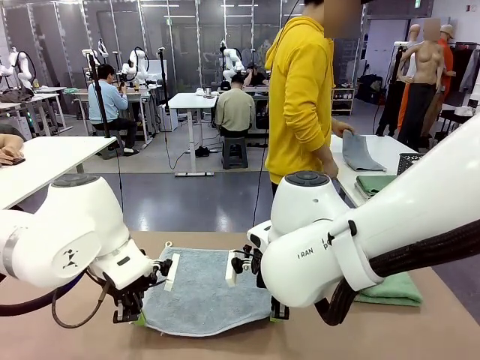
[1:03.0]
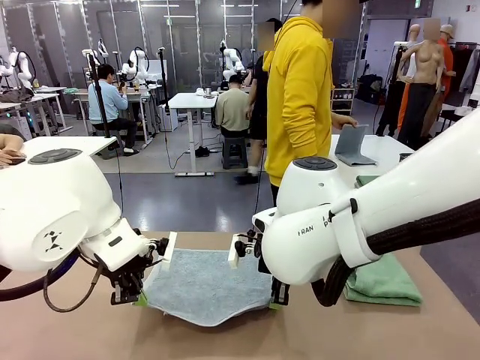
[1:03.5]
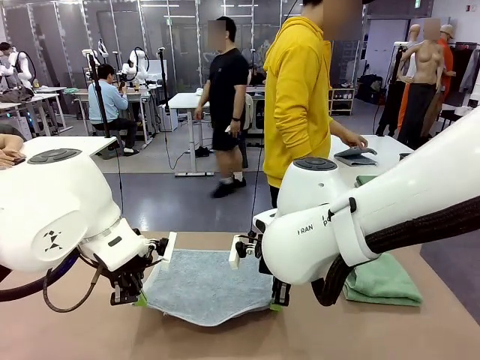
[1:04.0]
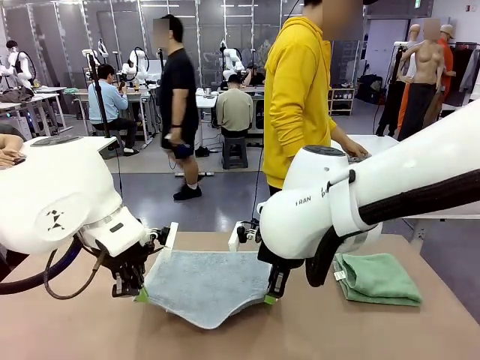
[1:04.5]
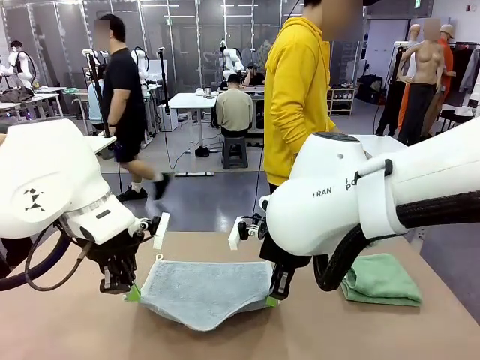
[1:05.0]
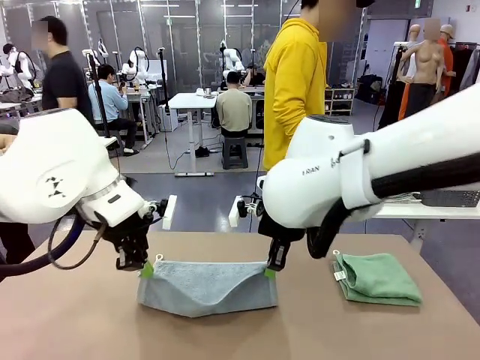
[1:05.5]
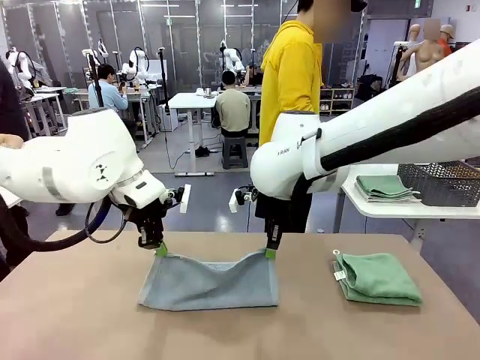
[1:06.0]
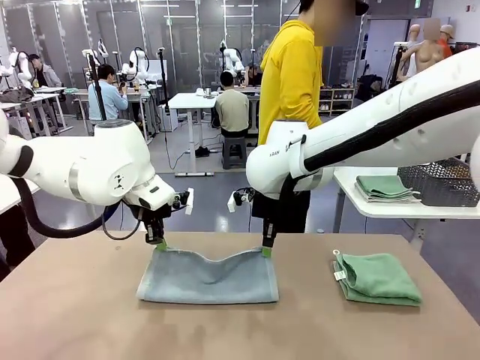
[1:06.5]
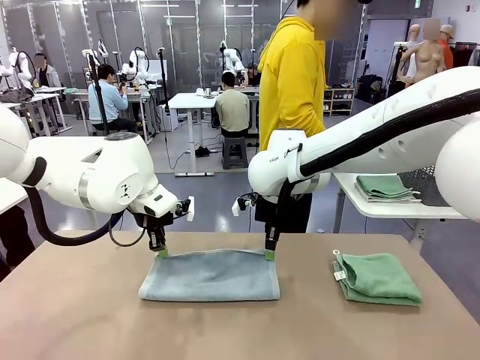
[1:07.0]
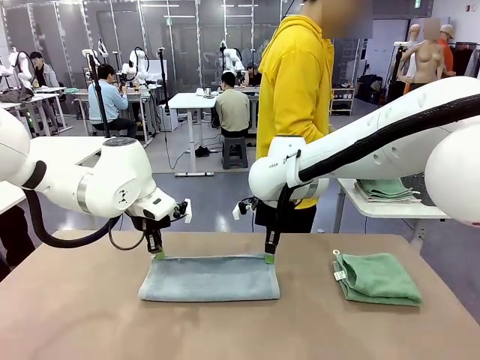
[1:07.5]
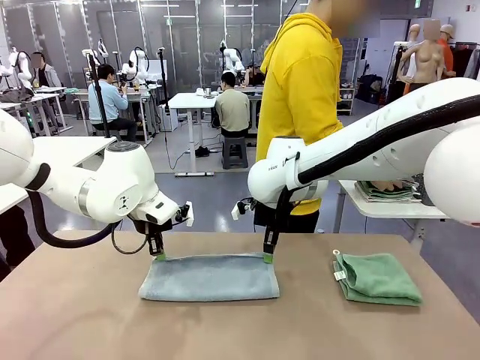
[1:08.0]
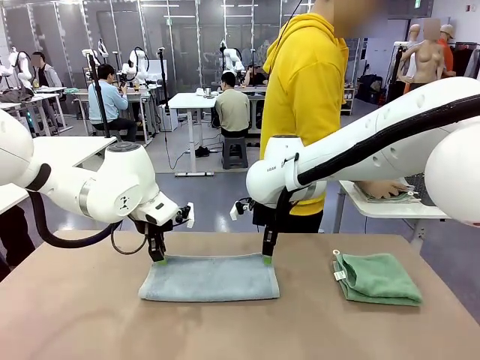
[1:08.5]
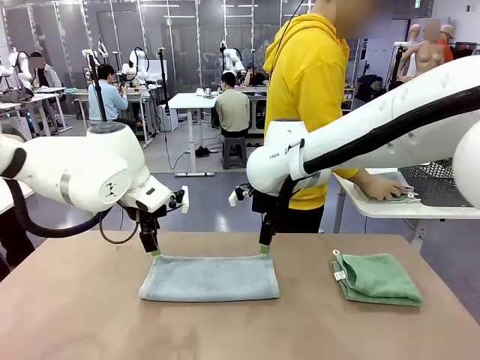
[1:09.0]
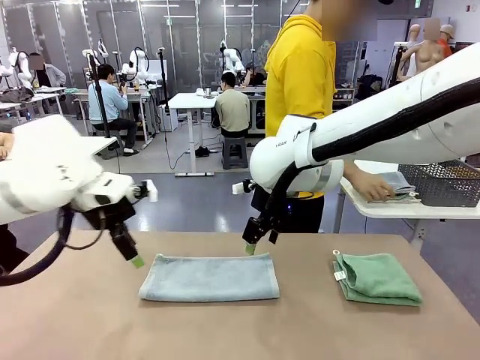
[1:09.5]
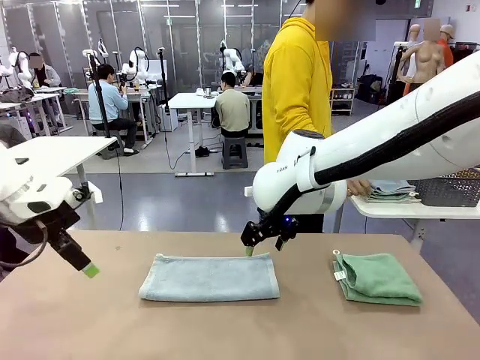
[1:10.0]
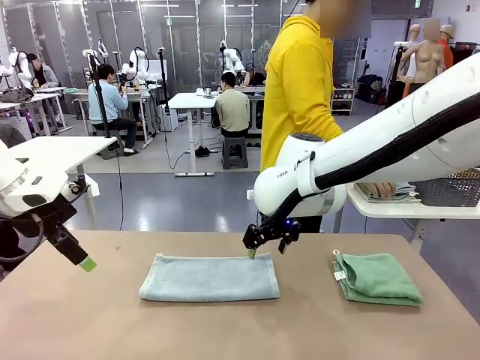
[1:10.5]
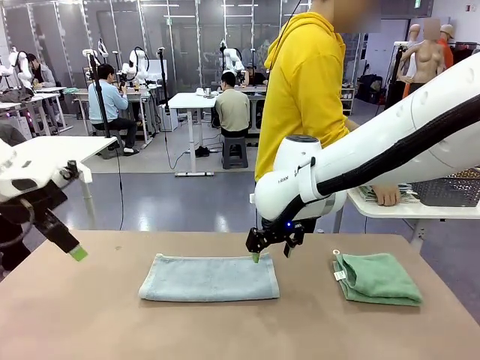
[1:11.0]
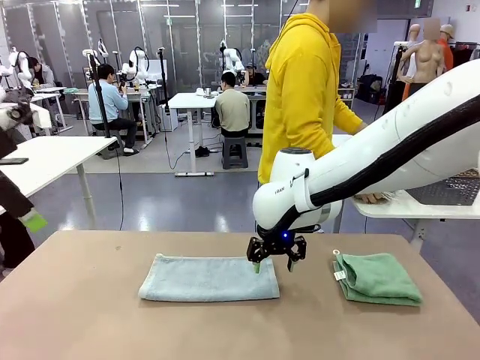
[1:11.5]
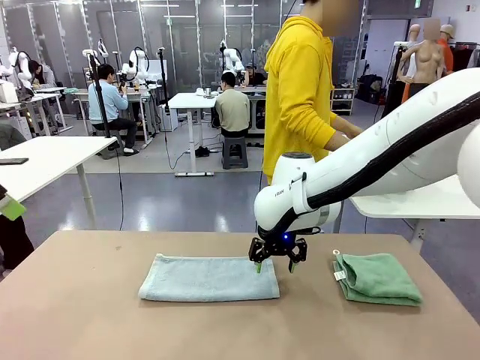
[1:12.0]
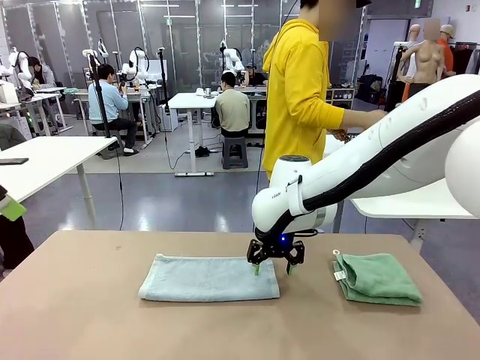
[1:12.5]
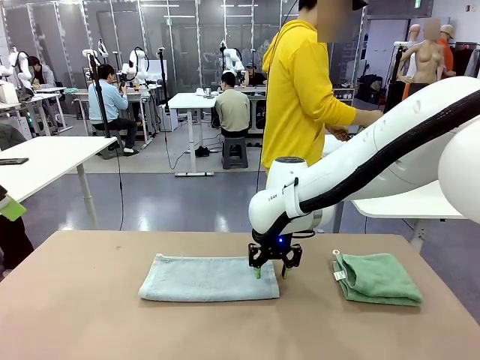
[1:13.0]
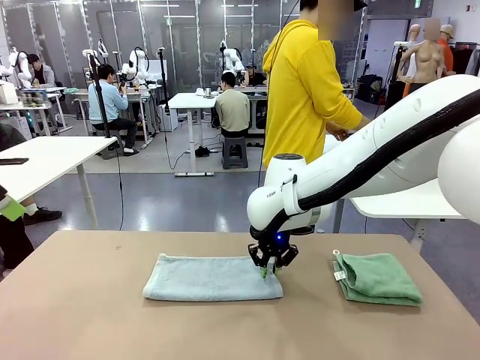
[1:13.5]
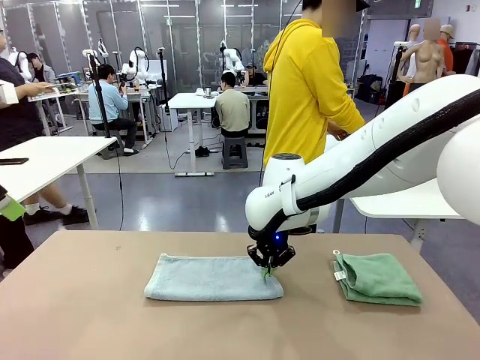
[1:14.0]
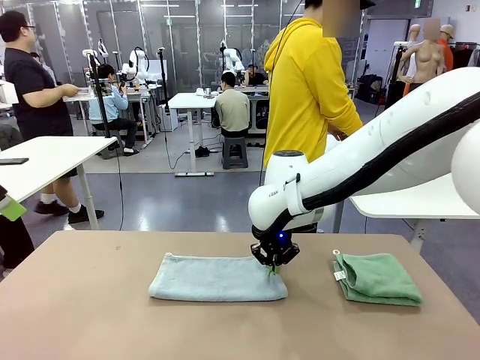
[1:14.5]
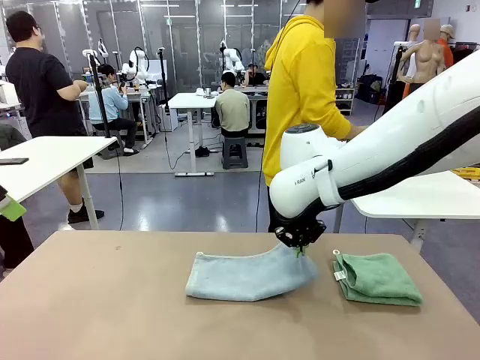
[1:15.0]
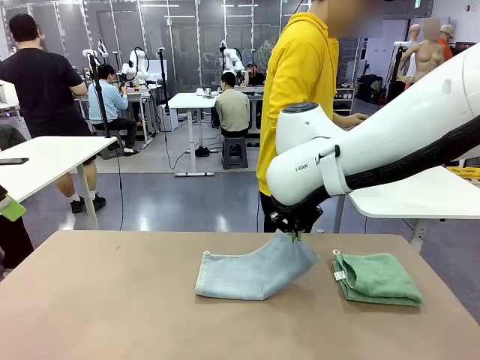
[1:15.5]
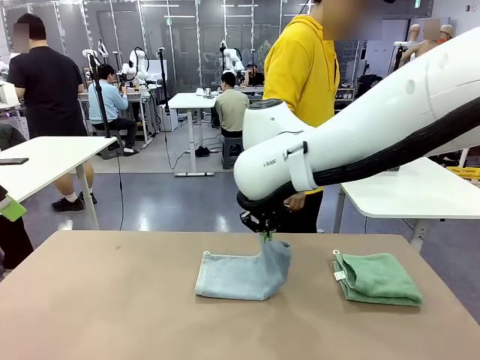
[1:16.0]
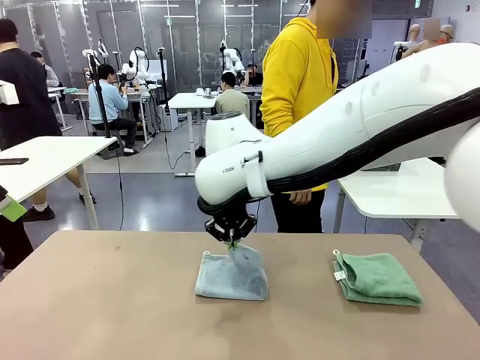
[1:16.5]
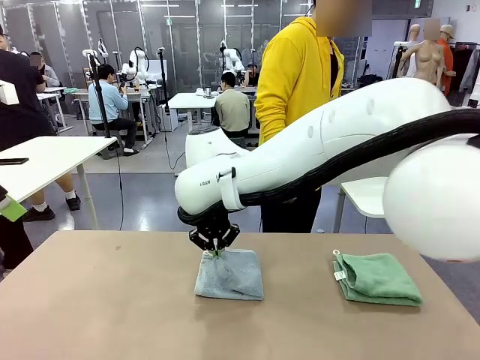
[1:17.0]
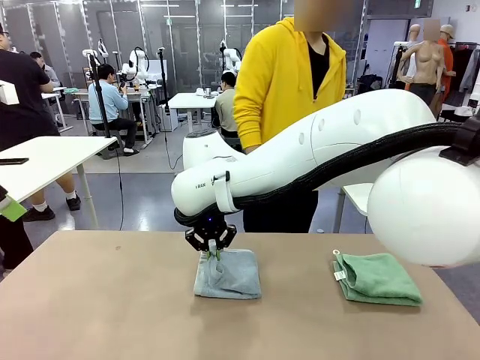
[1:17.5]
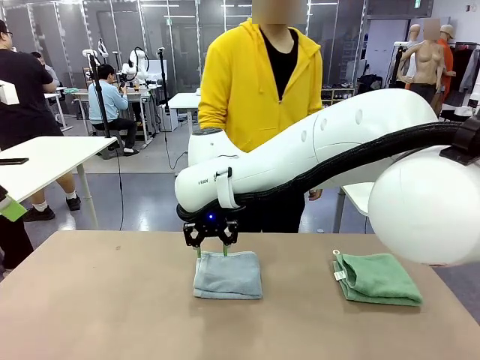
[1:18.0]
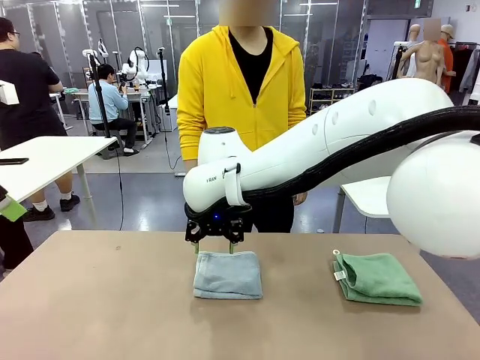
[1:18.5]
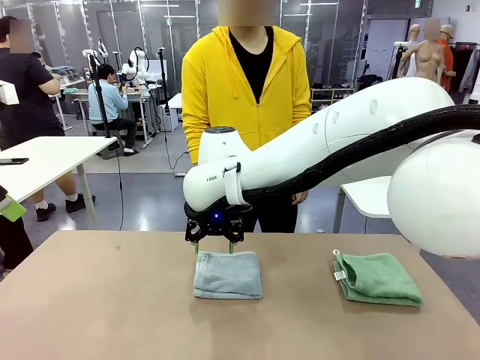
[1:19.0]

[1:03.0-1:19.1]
Task: Fold the towels and place them in the basket.
Robot: When a person lays out a Towel with hook on the table, fold it in half twice.
Person: Pick up the stack of towels from the right side of the human table, place it into the basket, and put the basket at the center of the table.

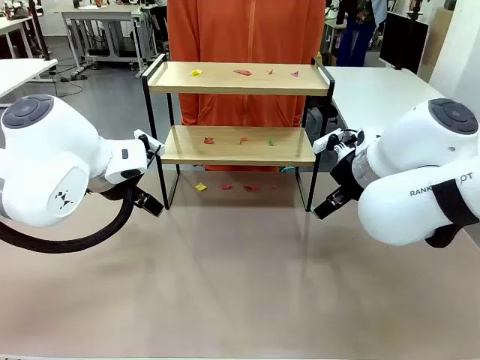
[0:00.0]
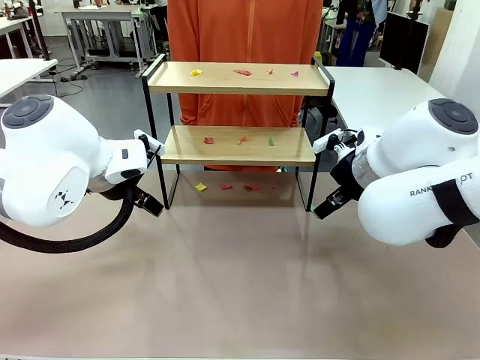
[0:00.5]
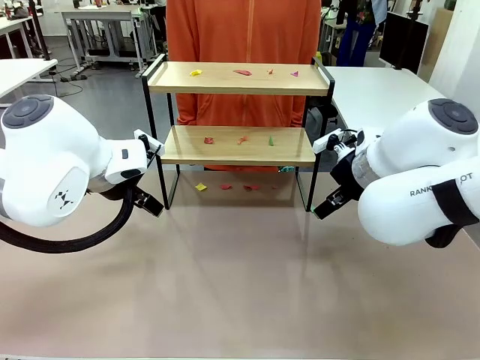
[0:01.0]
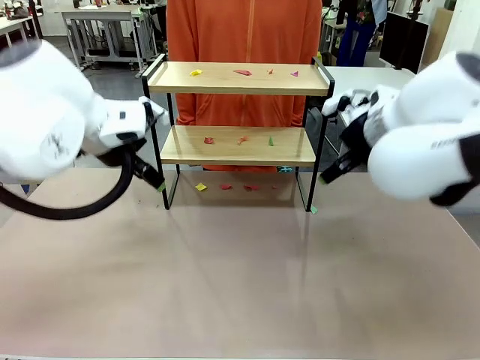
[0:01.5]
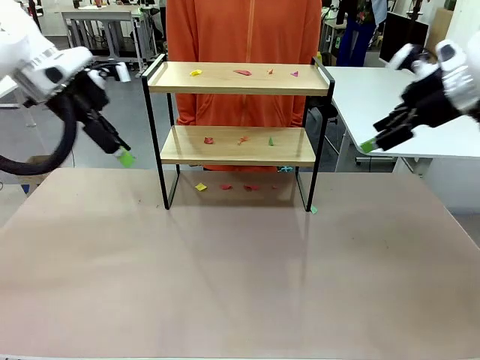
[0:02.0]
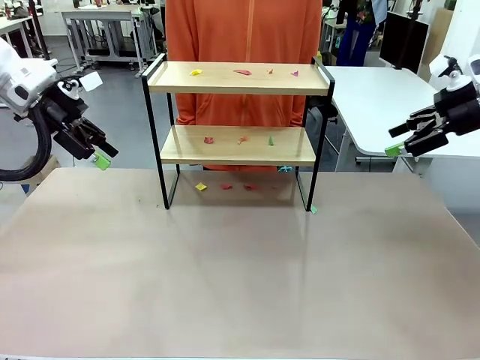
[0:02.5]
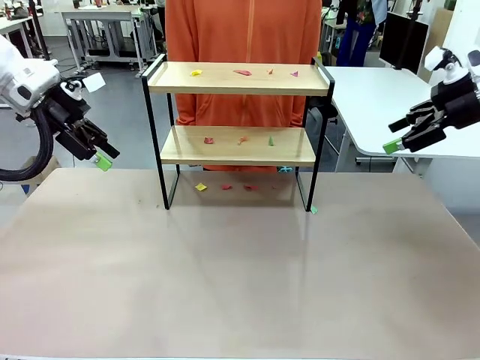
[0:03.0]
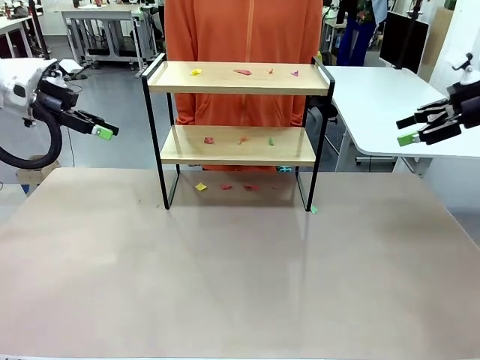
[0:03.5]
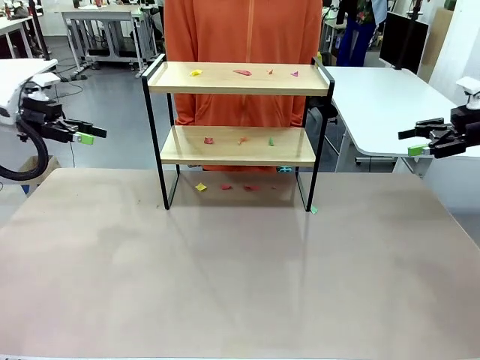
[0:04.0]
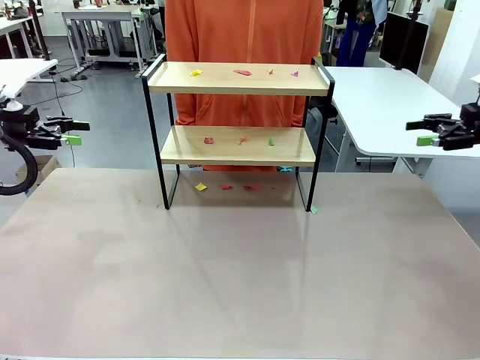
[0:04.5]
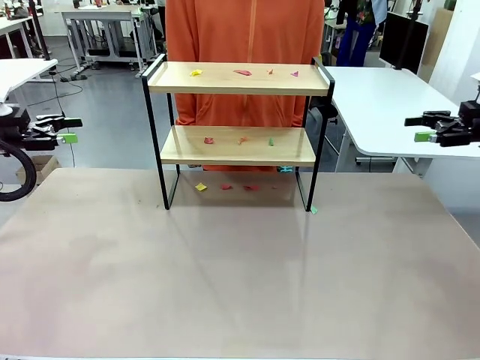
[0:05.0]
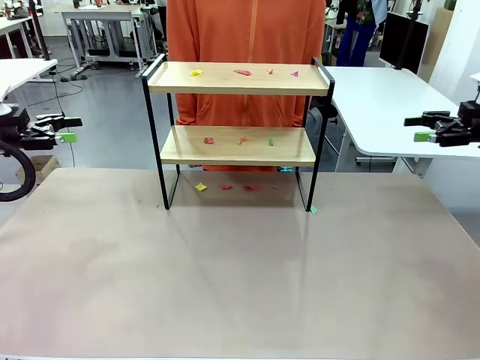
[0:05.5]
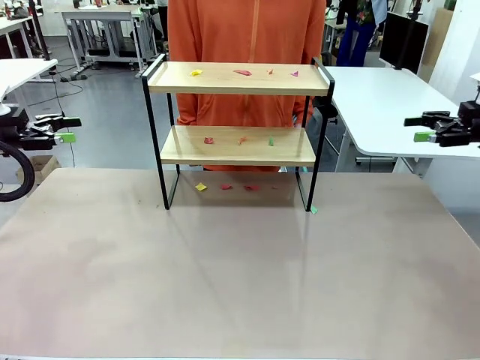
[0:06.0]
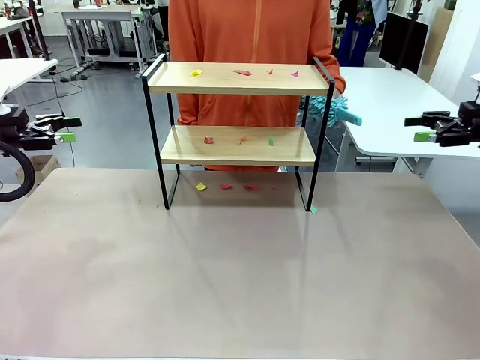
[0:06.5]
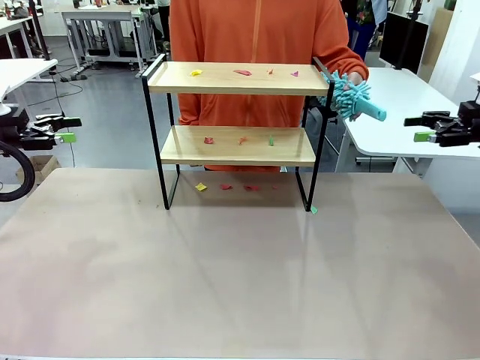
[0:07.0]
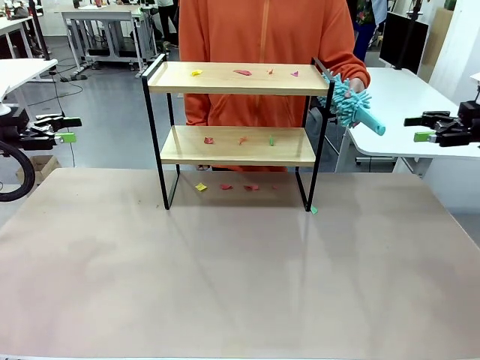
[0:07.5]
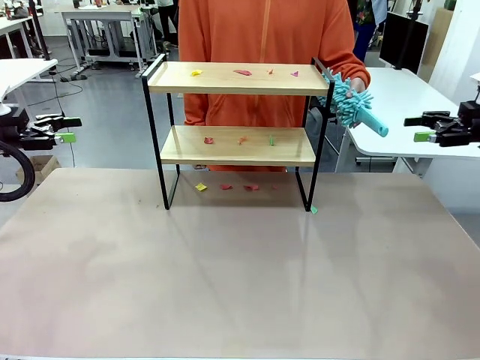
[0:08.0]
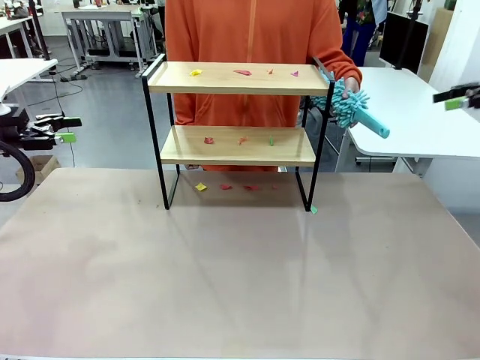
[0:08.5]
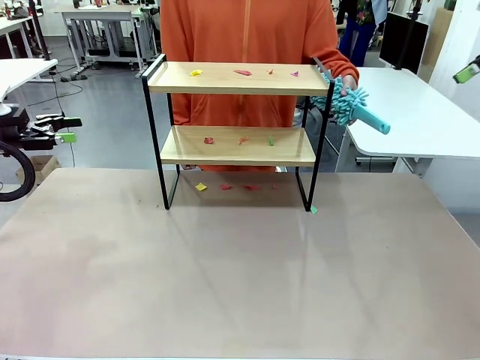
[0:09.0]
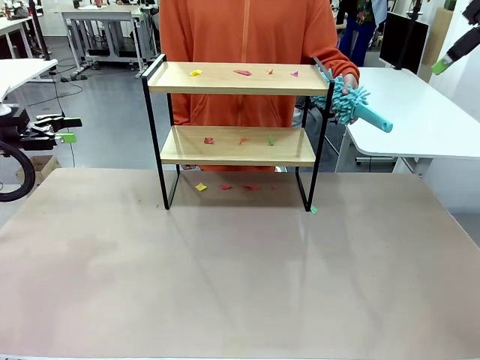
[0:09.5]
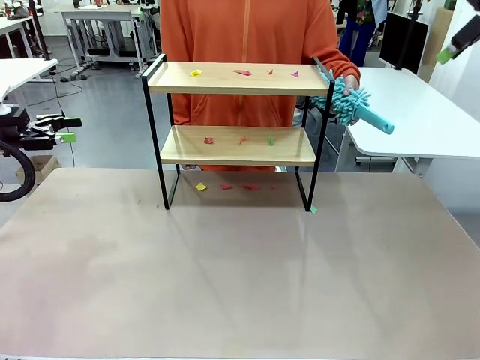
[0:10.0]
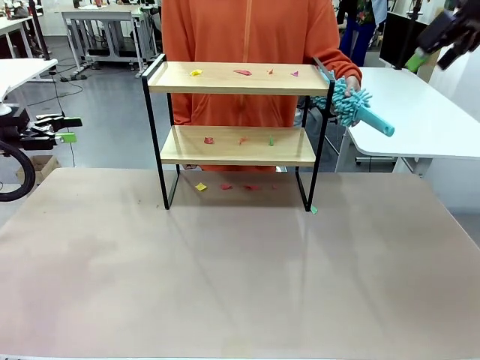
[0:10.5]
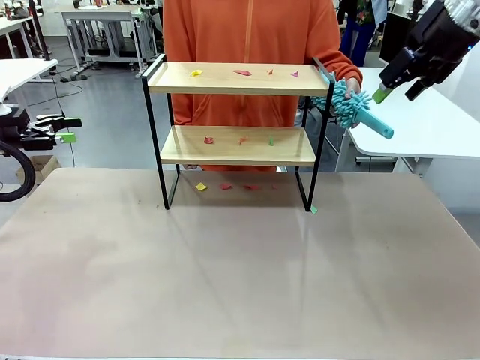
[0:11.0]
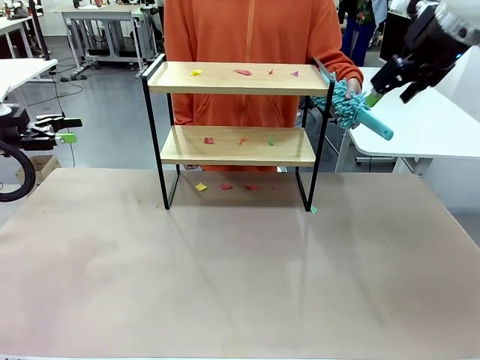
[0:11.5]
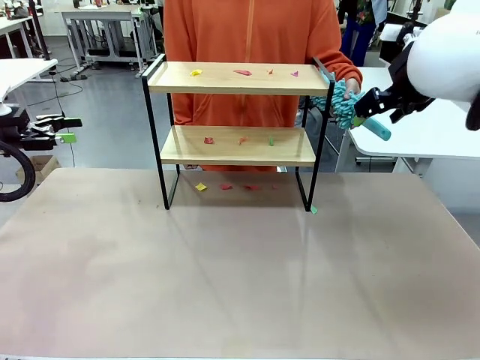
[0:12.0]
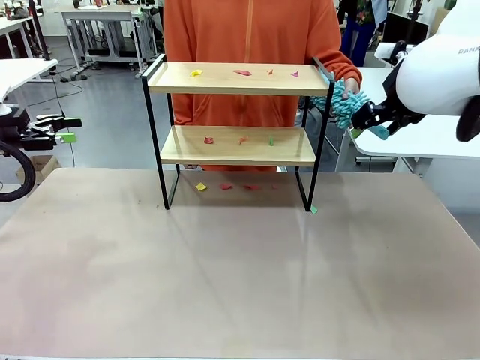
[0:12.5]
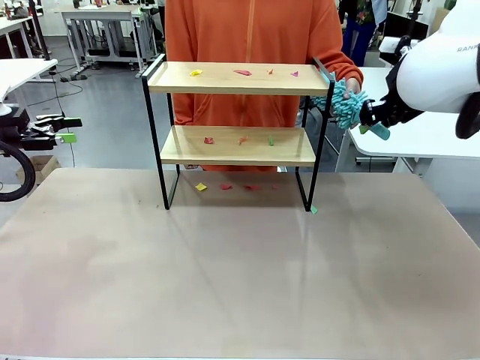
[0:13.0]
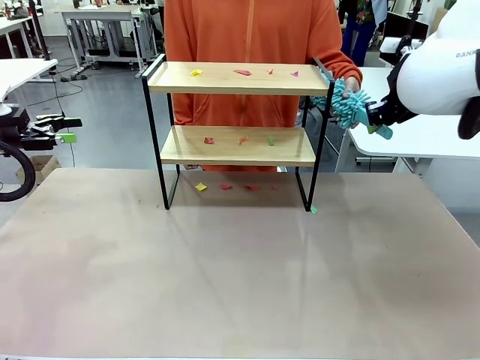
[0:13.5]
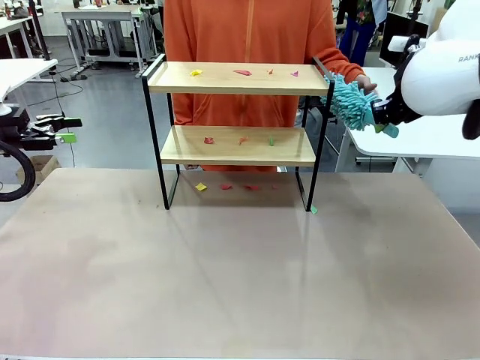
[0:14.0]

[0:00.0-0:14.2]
Task: Clean the shelf.
Robot: Pick up the Duster handed by the human.
Person: Hand the Duster to the robot.
